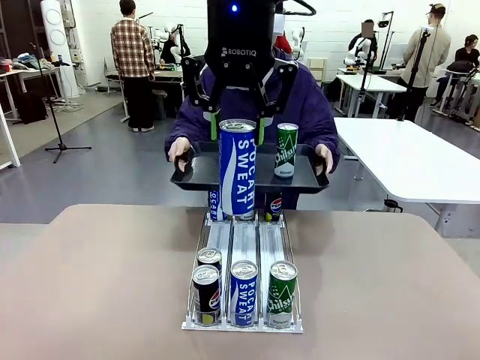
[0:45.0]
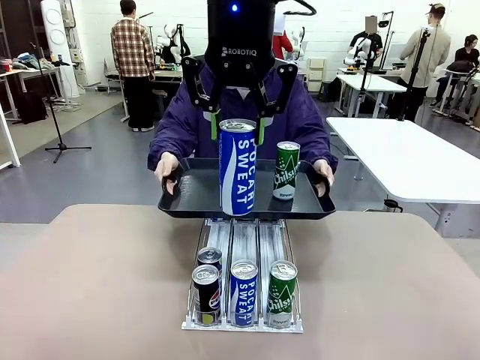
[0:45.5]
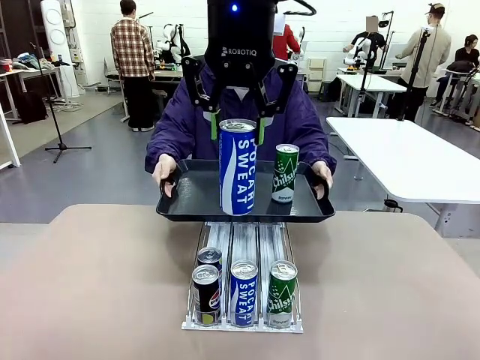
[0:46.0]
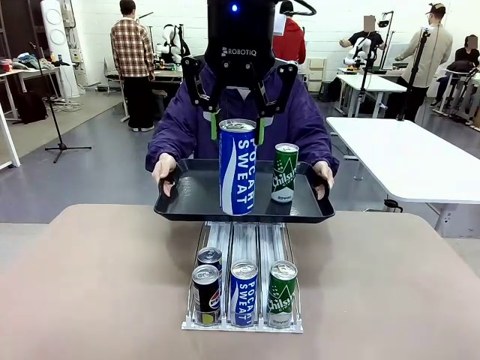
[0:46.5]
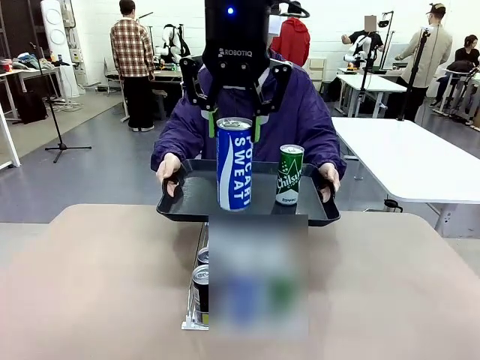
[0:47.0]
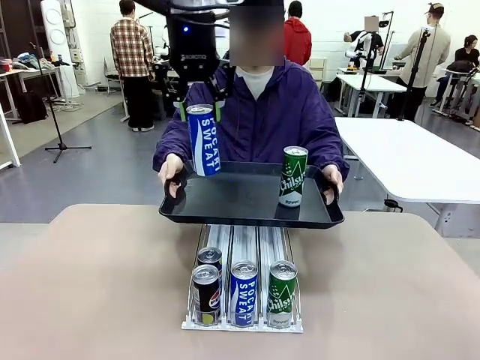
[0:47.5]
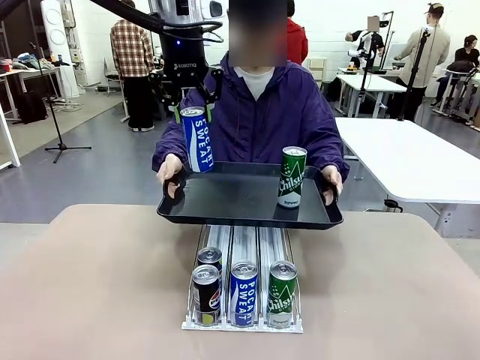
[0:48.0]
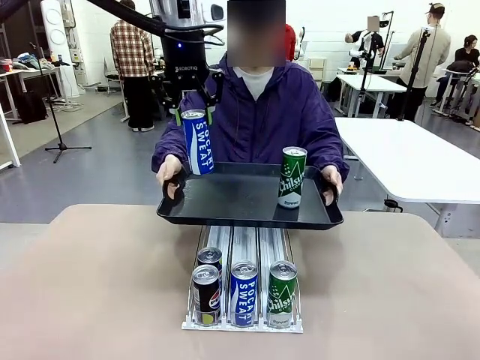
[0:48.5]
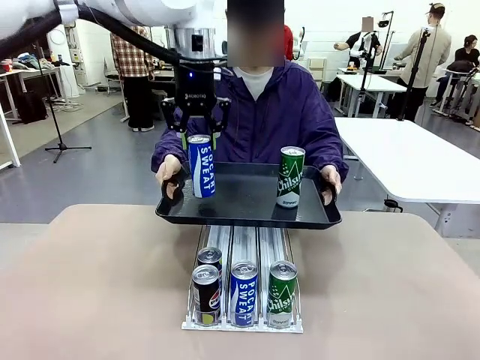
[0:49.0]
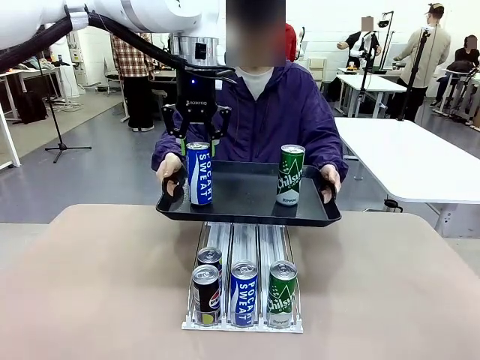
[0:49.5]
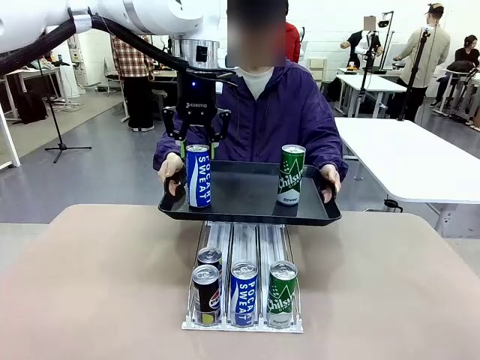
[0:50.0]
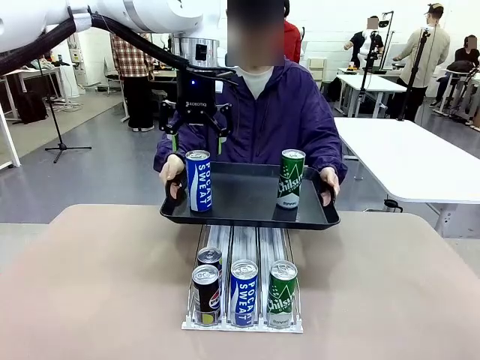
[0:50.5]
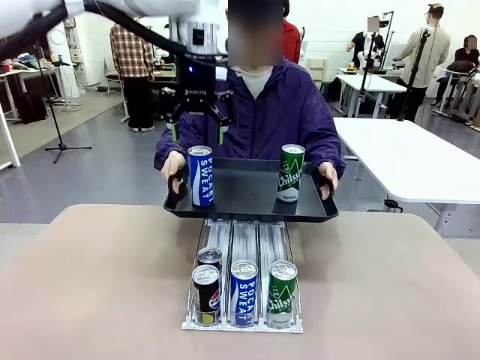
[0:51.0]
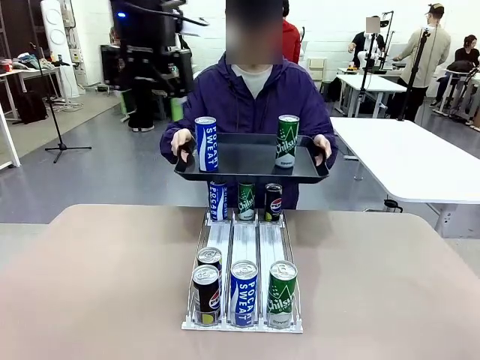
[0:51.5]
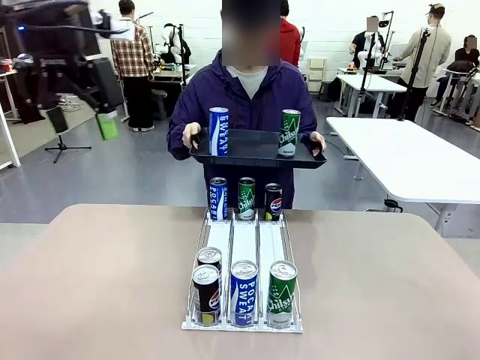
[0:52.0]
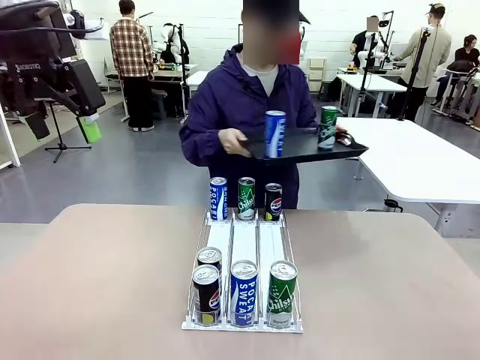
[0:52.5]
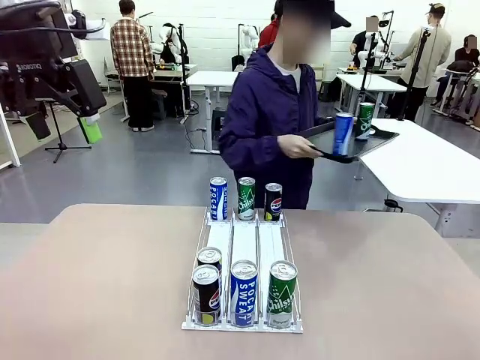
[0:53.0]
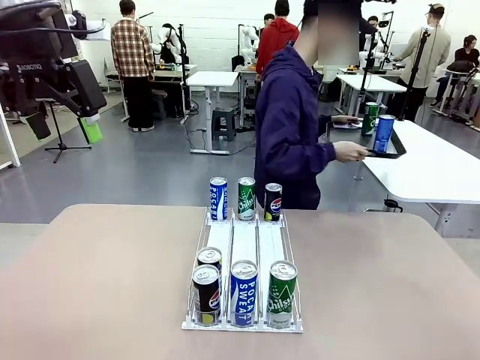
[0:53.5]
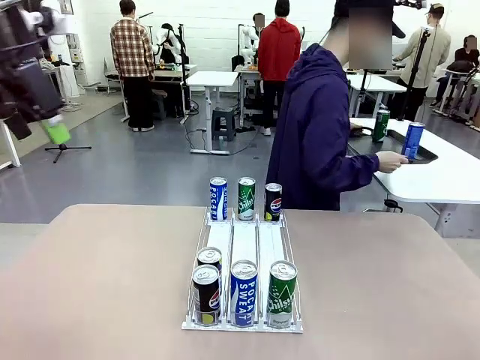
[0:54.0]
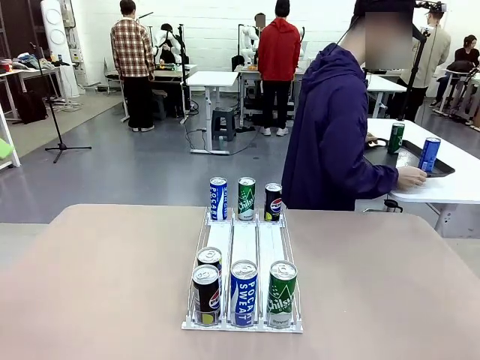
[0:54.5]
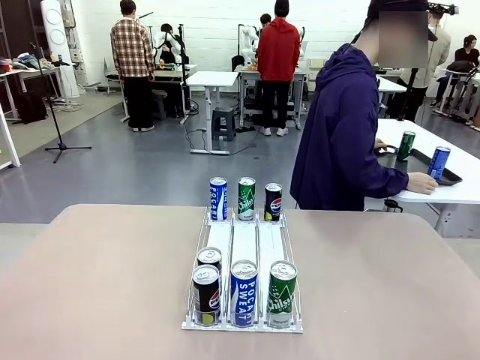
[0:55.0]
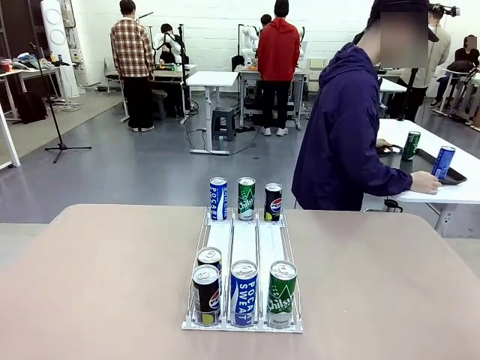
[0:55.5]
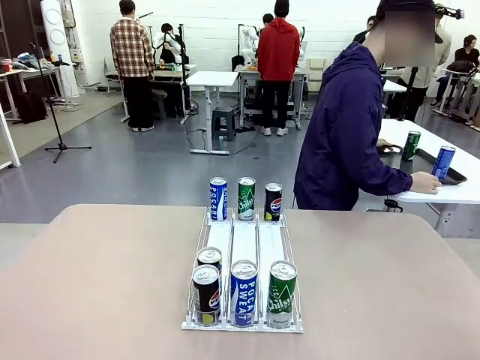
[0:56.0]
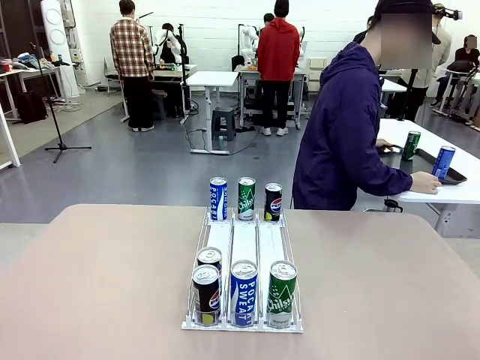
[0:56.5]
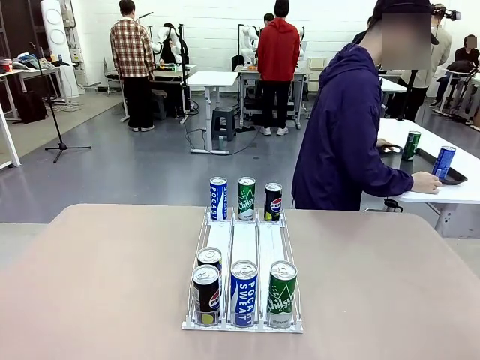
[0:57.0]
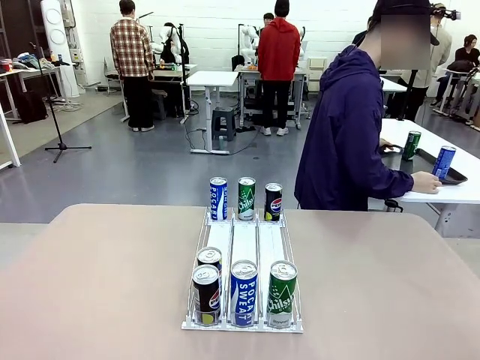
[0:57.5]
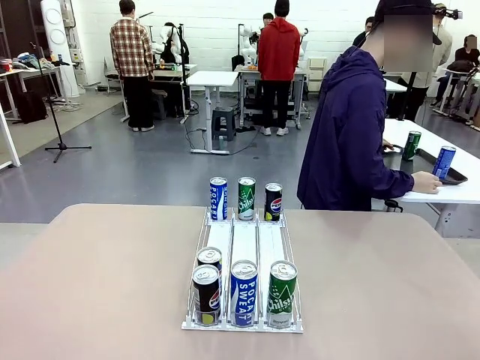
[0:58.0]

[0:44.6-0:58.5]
Task: Retrieve and hand over the desired beverage to the person.
Robot: Place the picked can on the Handle tray extended by the person.
Person: Pull the tray back and place it at the center of the human table.

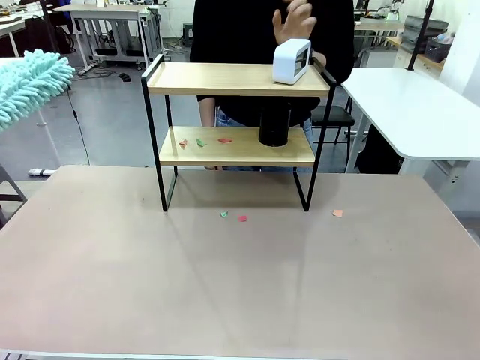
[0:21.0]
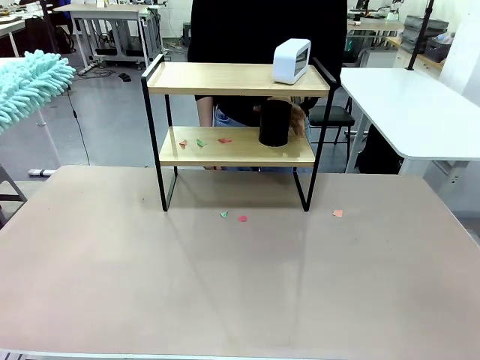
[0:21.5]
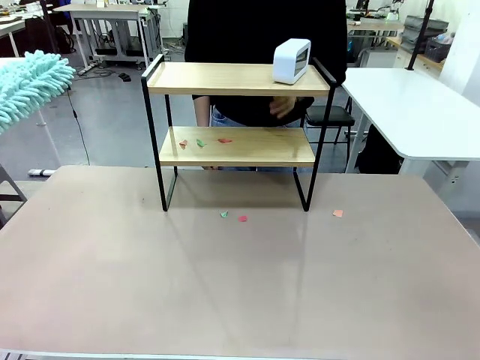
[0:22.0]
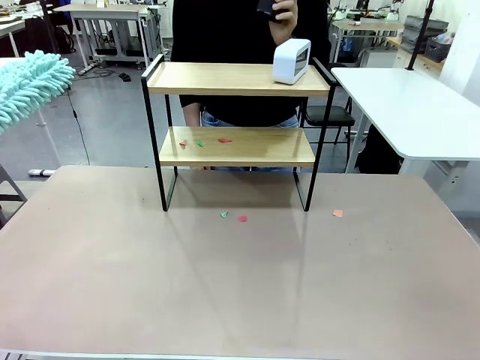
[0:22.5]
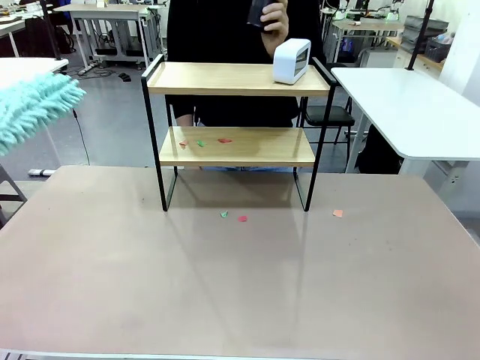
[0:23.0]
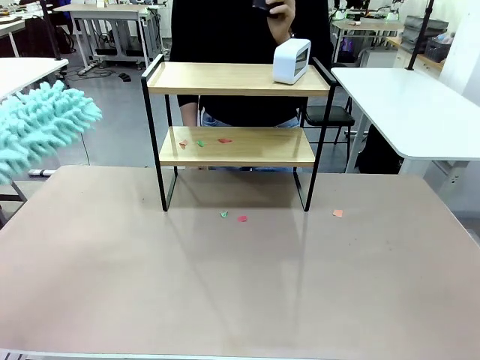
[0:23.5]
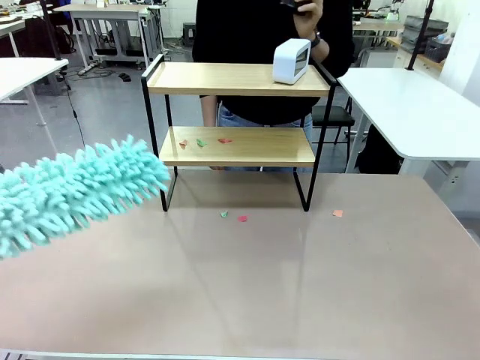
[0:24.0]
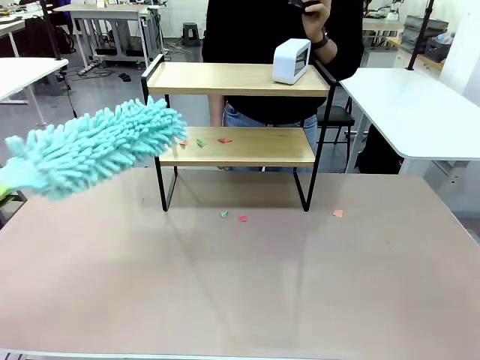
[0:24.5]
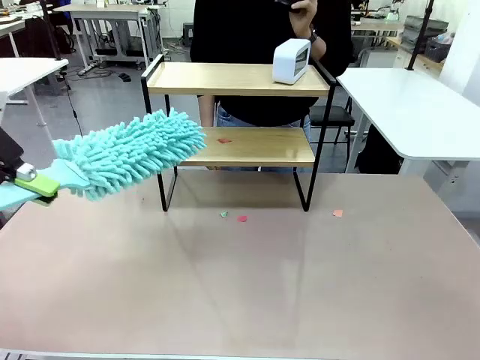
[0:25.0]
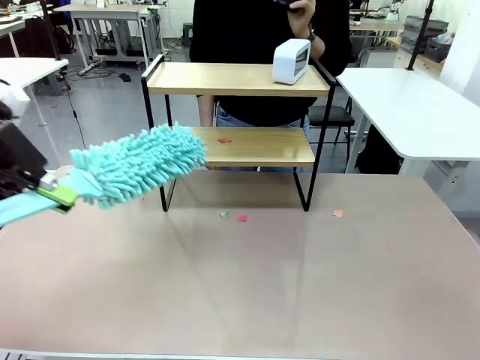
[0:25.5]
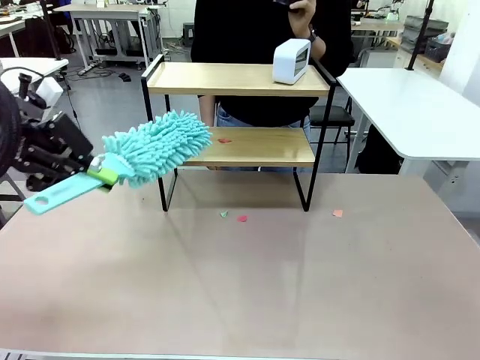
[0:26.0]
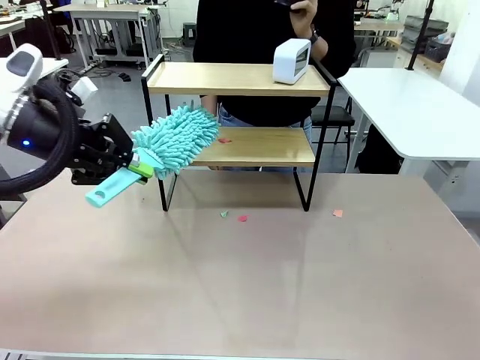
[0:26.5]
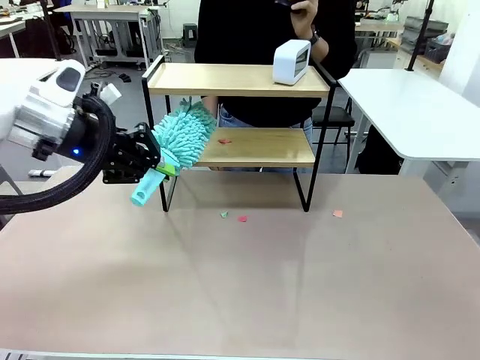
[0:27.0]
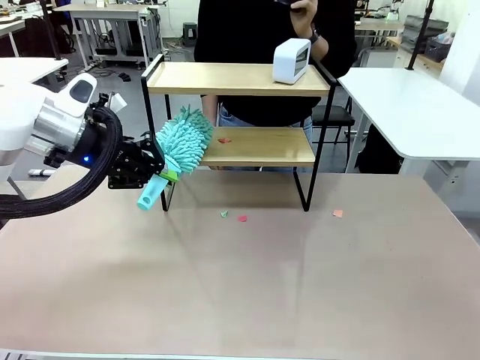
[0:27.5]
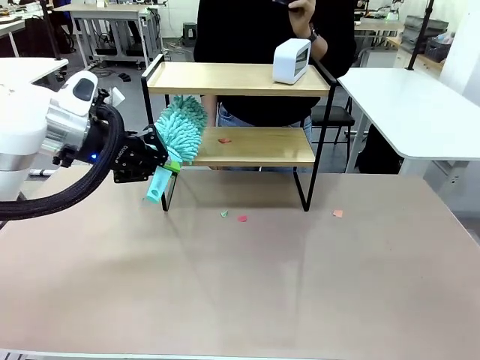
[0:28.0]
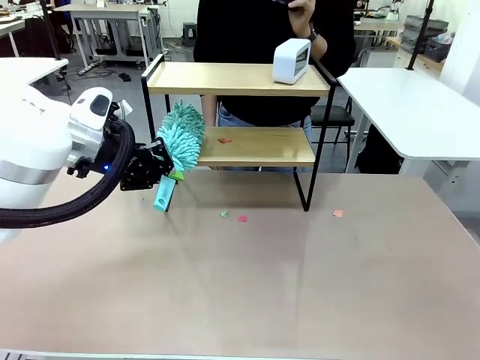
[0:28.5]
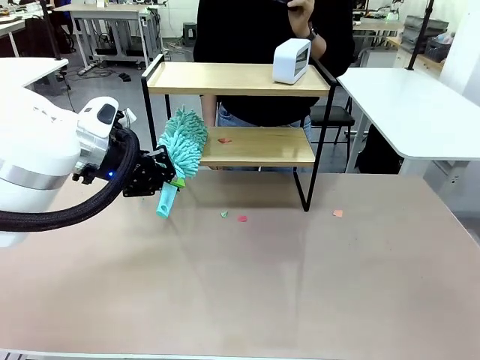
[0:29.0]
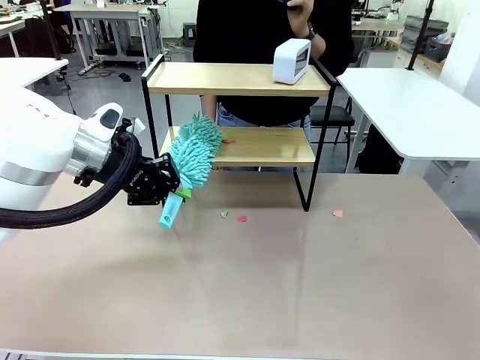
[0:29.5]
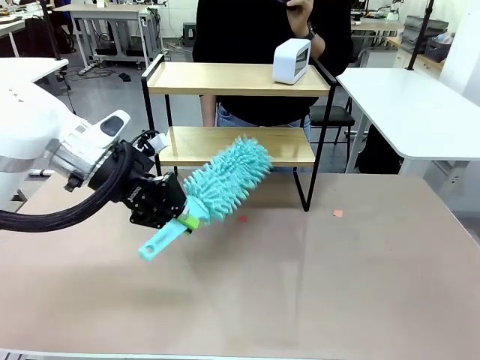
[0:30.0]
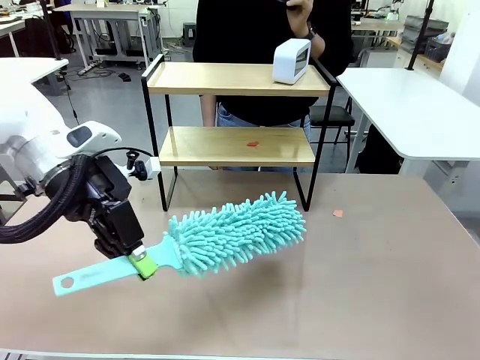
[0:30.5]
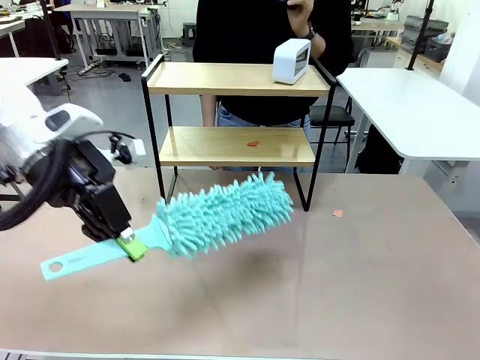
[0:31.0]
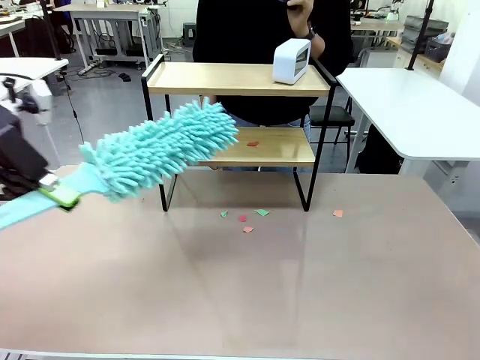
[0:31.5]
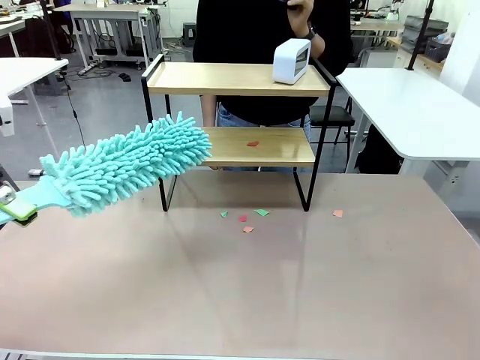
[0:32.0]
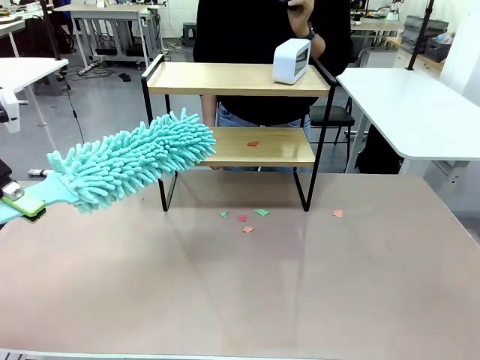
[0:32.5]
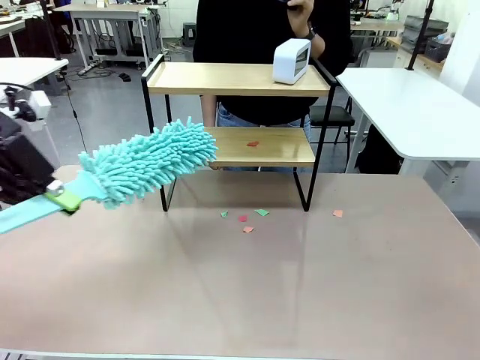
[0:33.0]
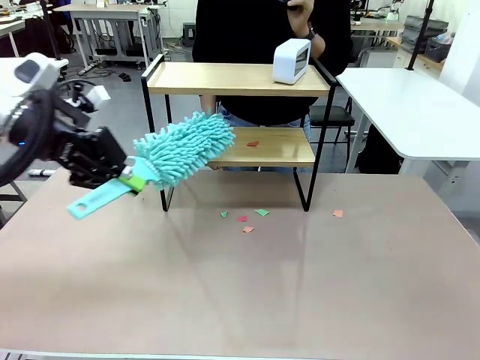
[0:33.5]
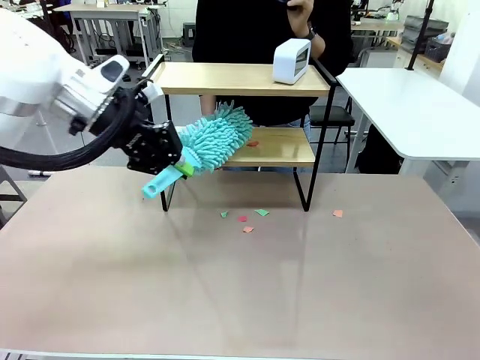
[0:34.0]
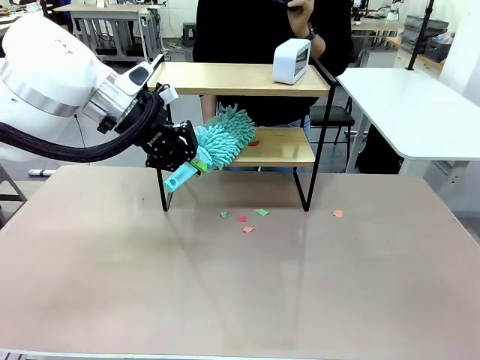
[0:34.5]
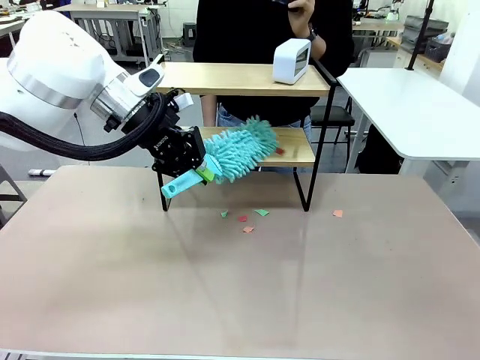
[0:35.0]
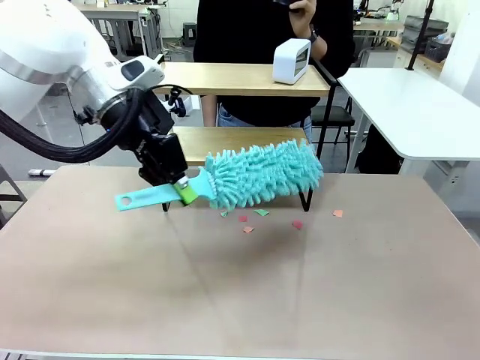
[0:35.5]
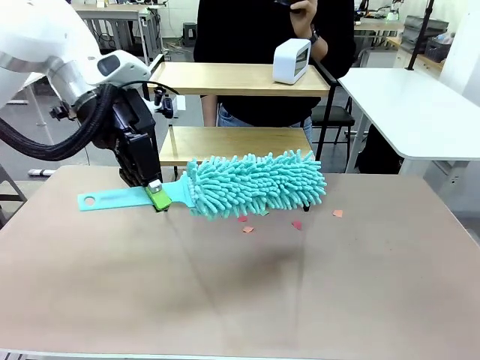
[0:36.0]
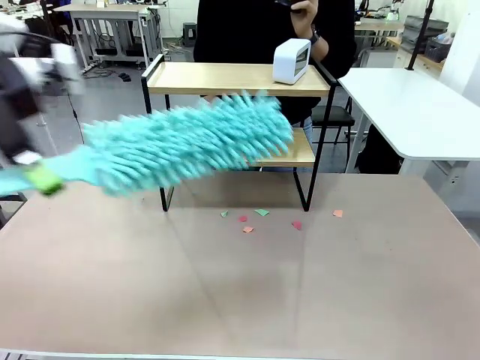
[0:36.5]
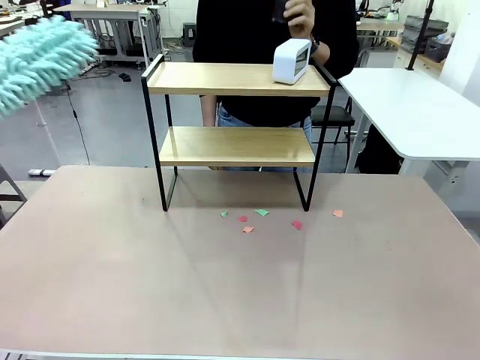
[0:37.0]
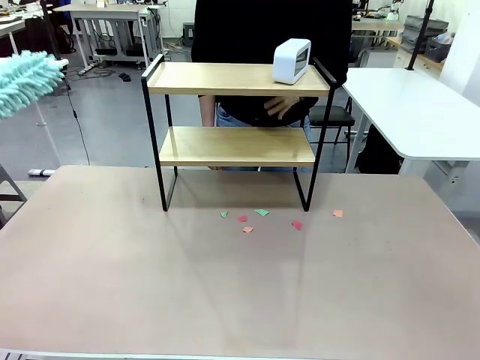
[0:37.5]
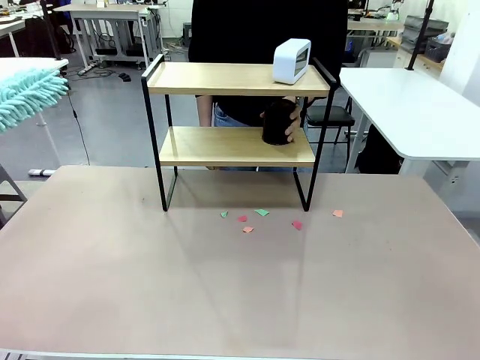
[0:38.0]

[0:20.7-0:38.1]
Task: Clean the shelf.
Robot: Clean the remaining tier of the Shelf with the Duster once objects are removed.
Person: Receive the Duster from the robot.
